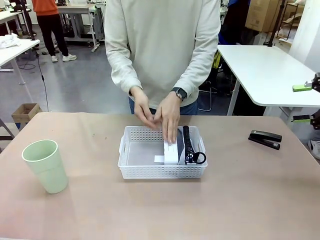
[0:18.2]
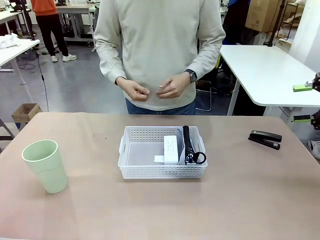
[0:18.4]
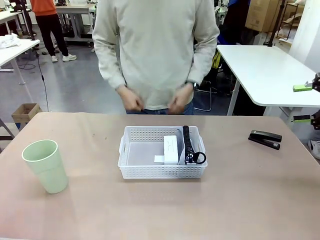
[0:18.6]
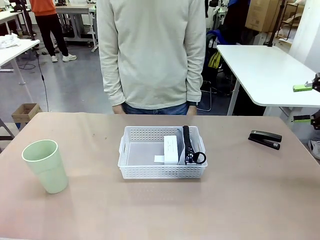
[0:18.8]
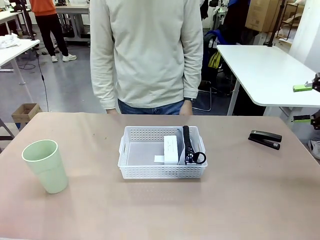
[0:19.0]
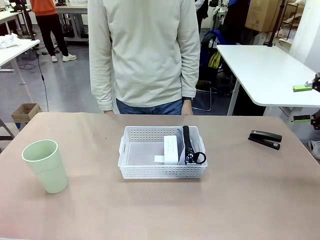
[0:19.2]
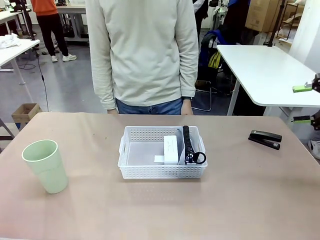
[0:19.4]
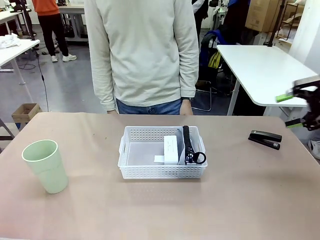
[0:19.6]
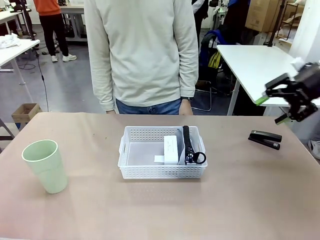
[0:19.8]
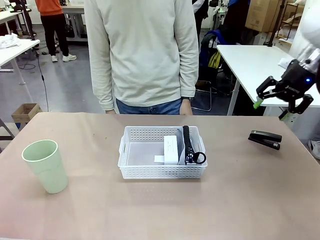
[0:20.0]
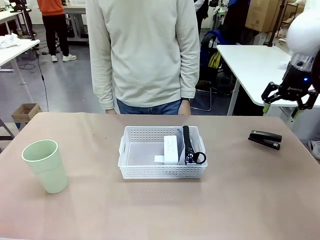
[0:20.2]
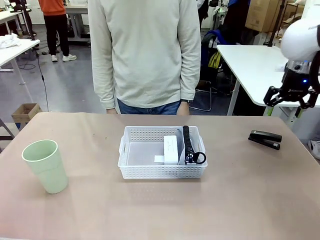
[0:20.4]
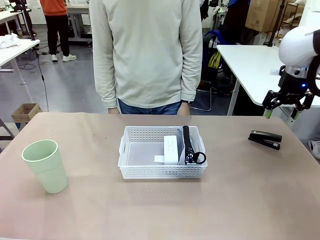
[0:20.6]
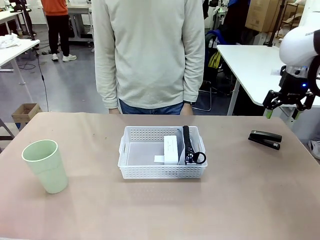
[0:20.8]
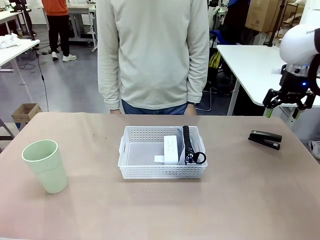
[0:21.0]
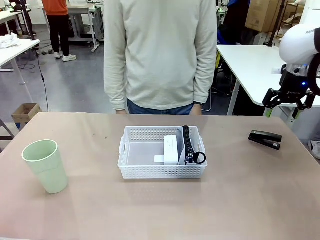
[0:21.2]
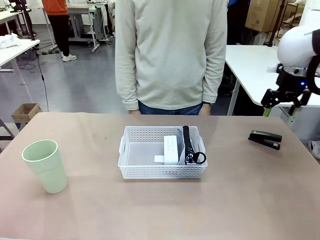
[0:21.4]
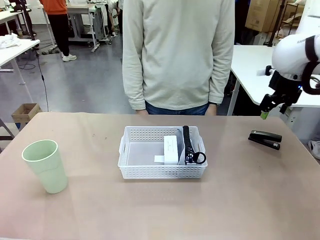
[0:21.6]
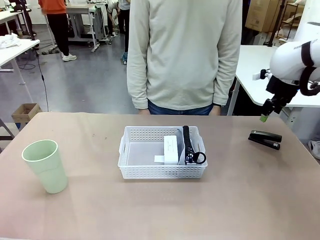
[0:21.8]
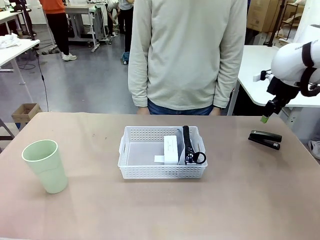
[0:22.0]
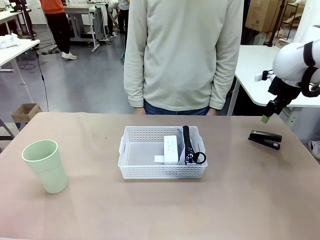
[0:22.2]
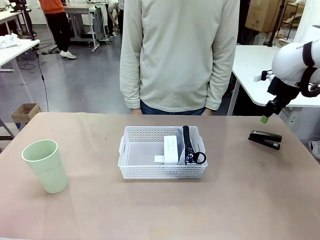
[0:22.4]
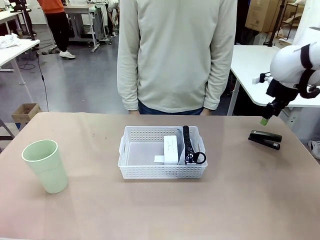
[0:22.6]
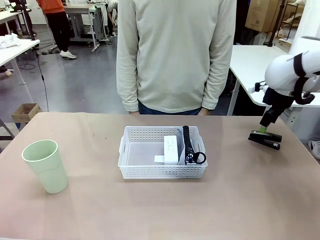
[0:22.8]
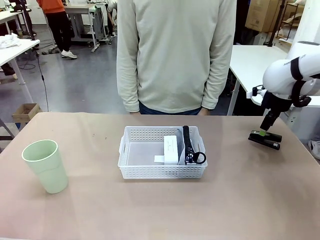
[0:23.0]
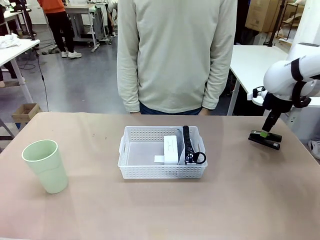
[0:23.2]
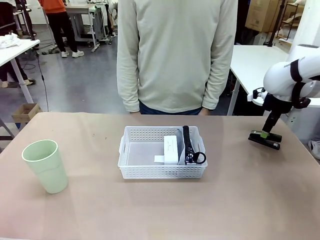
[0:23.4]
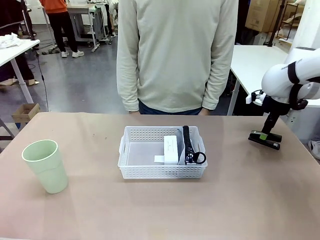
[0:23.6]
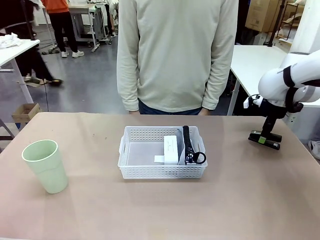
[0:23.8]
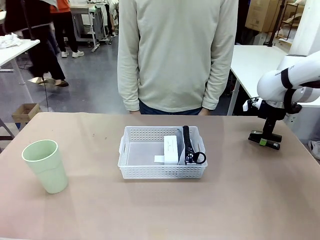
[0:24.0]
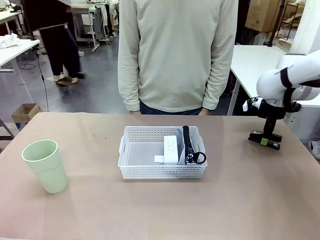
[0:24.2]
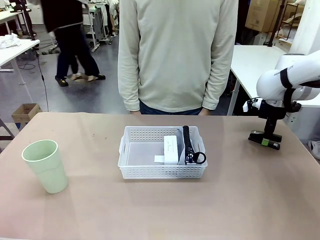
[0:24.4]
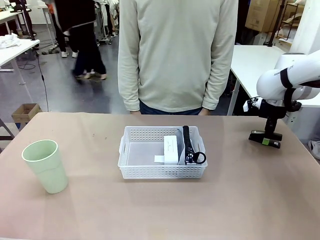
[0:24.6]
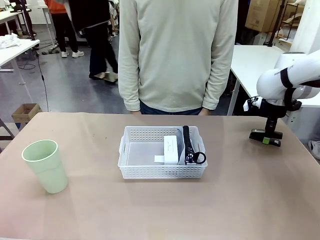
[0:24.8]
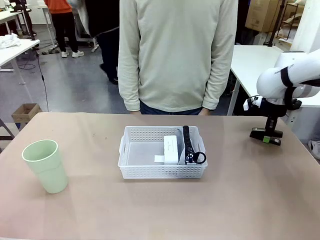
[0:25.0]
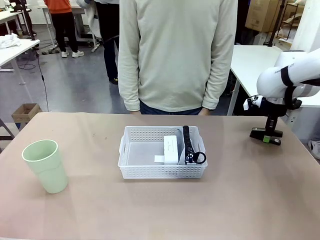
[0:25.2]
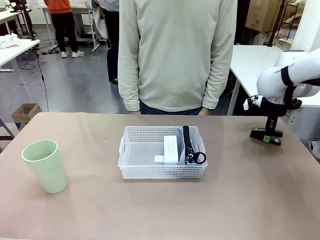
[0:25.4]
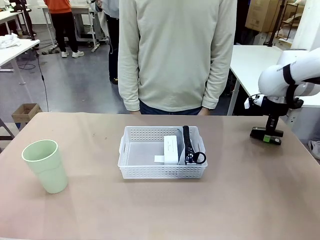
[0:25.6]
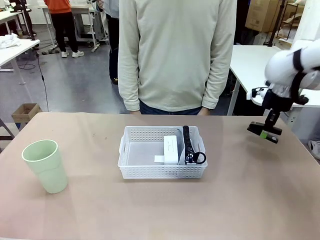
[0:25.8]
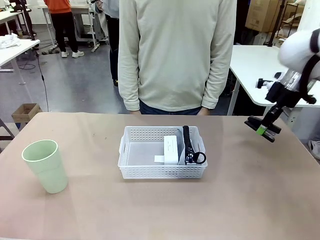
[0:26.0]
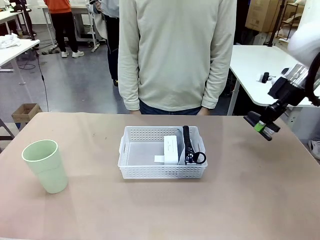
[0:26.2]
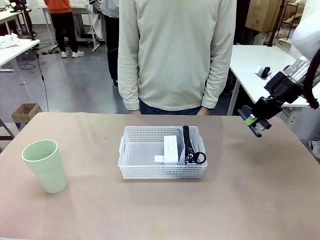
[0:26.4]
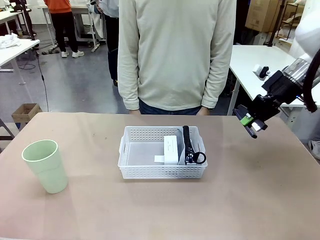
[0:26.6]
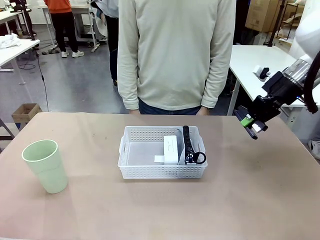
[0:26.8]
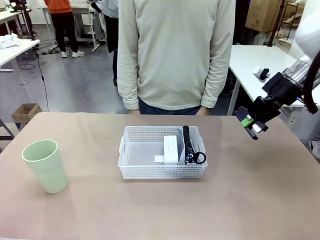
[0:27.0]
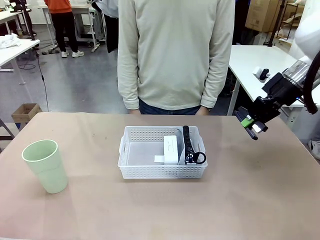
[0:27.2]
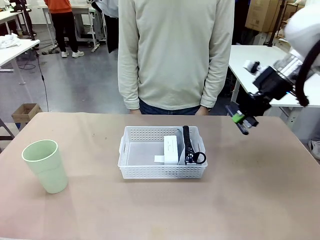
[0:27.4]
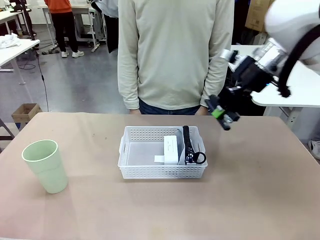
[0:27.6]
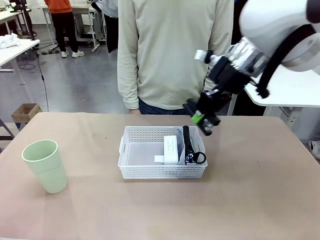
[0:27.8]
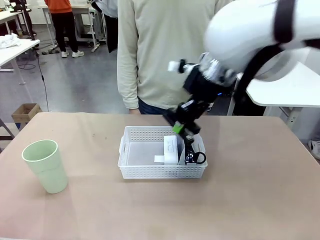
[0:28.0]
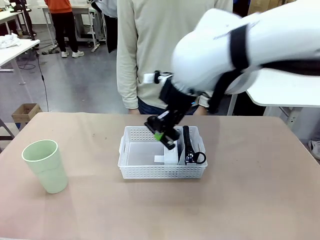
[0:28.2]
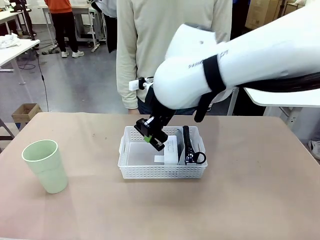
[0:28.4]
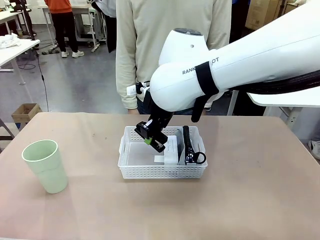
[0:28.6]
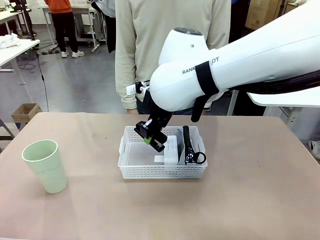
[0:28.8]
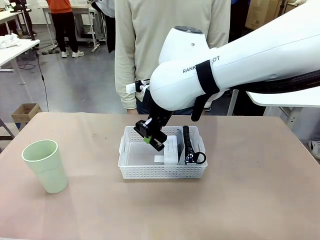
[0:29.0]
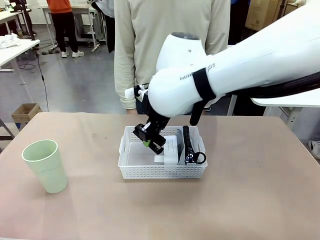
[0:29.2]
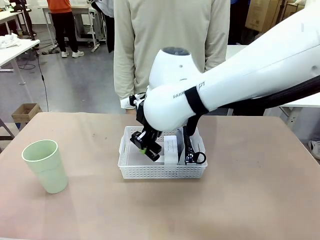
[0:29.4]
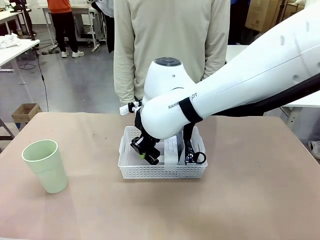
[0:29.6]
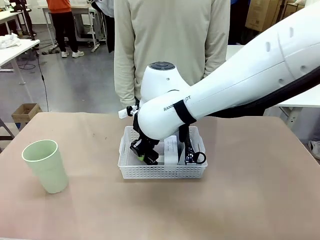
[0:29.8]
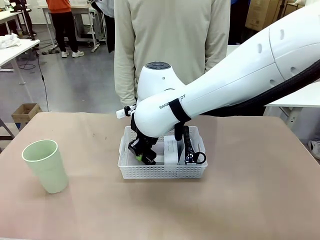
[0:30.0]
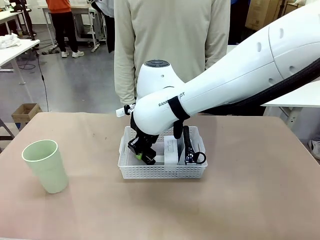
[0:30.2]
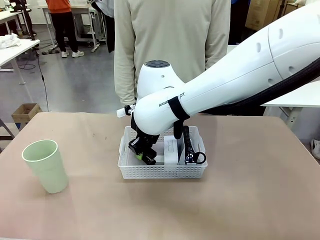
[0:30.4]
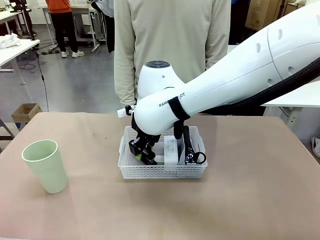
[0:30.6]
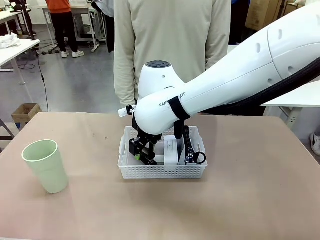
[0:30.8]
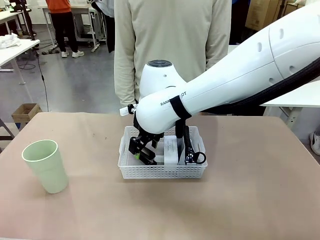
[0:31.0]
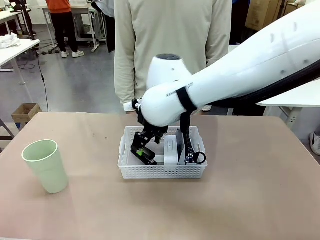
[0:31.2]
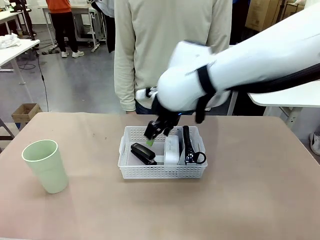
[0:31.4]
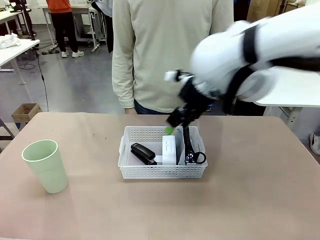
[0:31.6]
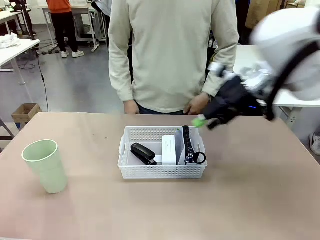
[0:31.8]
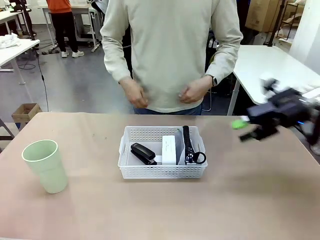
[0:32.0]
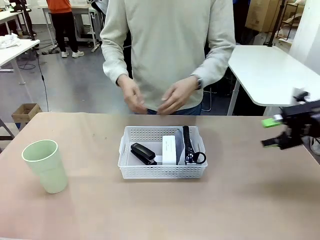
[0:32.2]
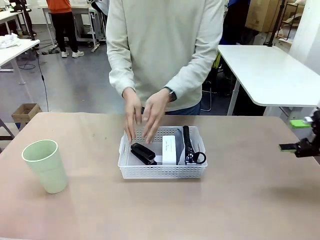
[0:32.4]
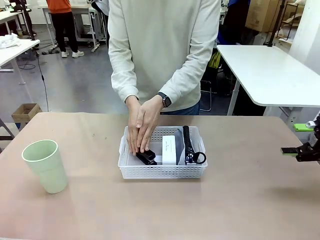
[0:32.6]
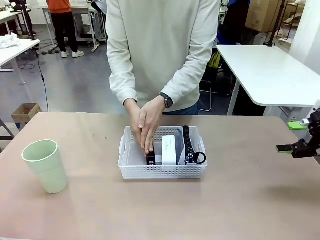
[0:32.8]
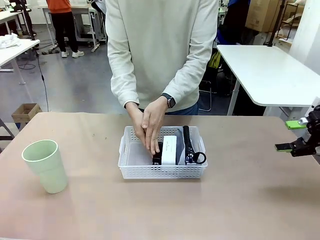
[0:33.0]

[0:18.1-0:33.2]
Task: Efficiently arrange items inside the basket to fit them all.
Robot: Pick up the Stapler and place it inside the Organizing basket.

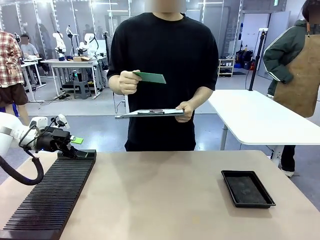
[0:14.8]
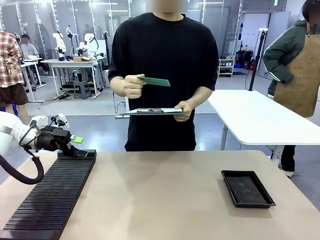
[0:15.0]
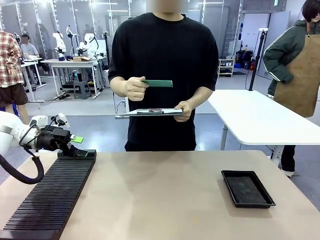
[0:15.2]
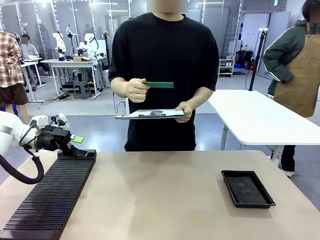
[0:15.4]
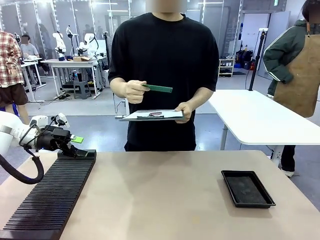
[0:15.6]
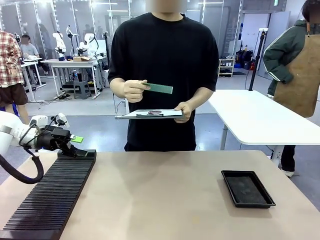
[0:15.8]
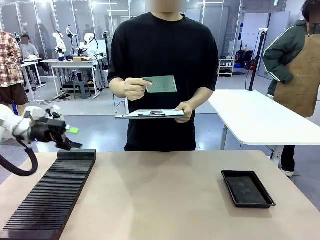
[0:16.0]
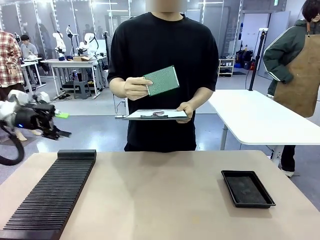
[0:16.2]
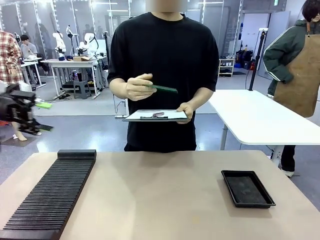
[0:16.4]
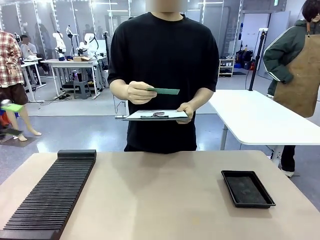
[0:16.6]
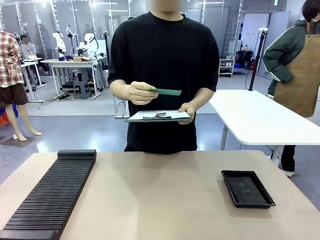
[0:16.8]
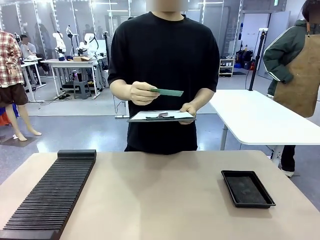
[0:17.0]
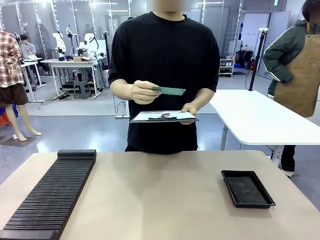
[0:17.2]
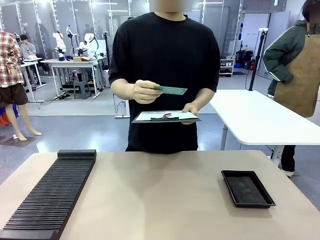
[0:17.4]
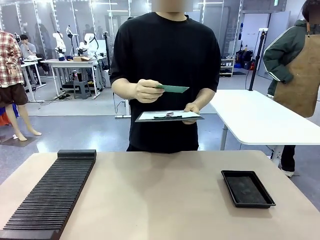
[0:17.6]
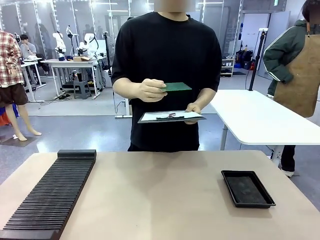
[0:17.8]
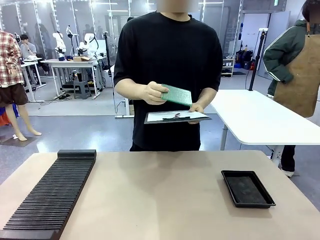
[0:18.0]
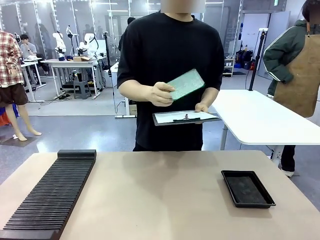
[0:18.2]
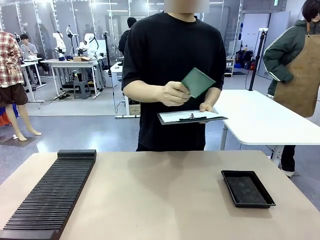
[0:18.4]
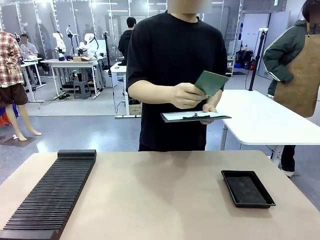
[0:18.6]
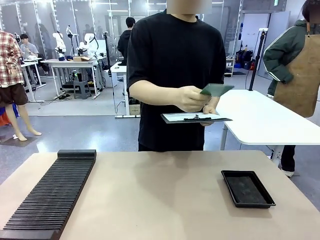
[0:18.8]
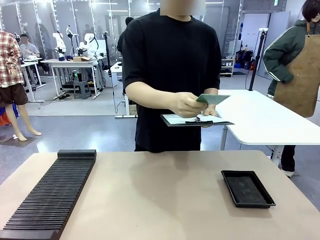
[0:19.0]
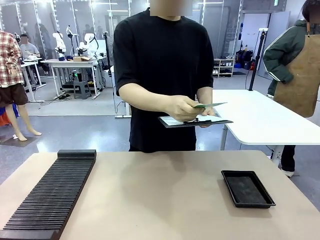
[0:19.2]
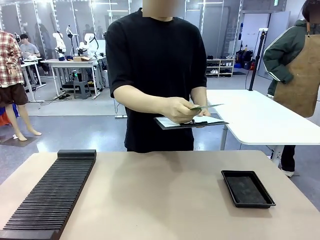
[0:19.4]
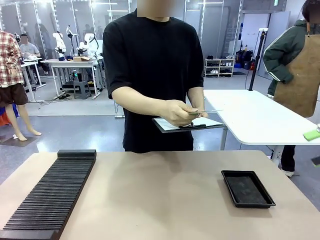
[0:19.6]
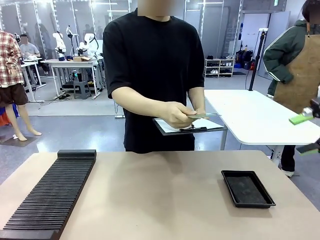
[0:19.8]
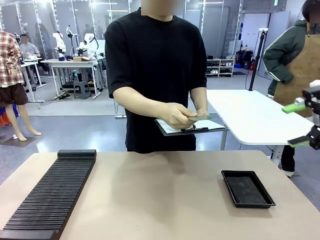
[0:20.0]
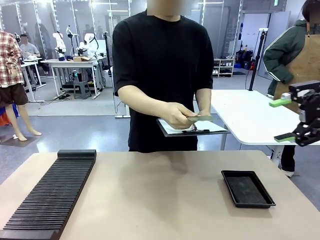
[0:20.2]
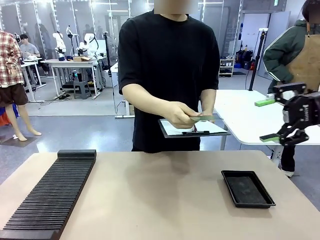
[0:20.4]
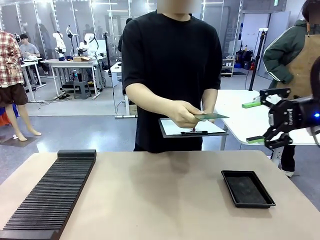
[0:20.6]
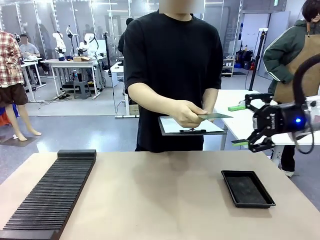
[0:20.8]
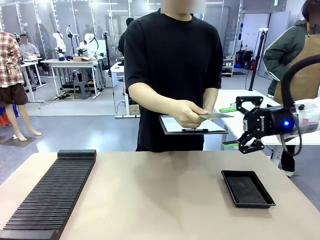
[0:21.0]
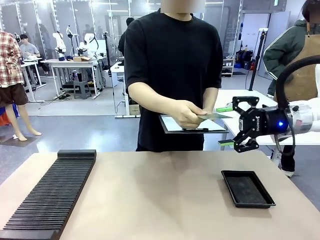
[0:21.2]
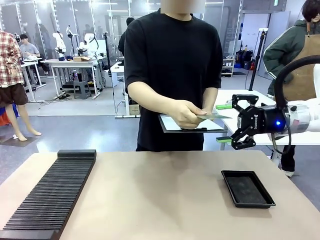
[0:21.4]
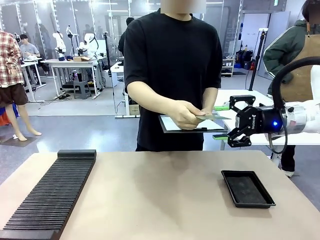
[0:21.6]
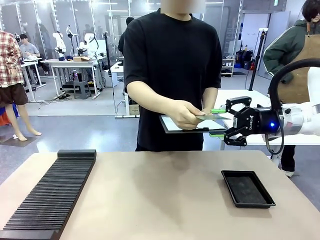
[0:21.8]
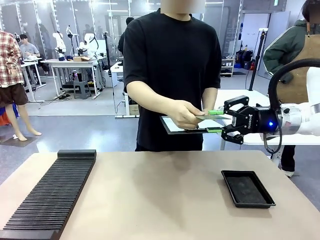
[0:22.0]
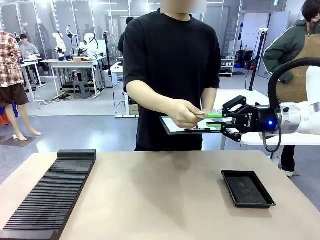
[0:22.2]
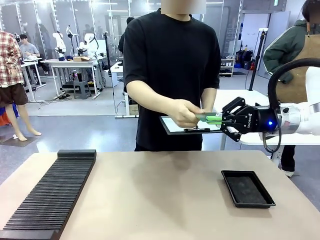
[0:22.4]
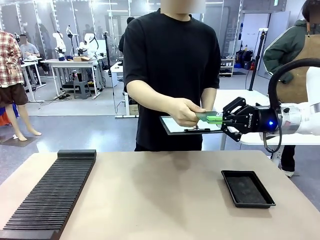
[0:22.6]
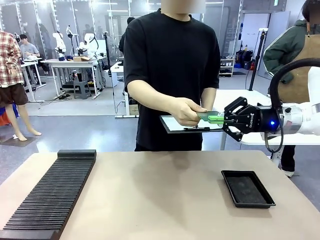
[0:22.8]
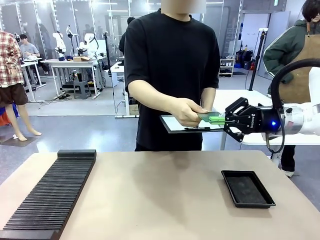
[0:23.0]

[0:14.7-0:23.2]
Task: Inspect the PCB.
Robot: Pick up the Blank PCB that the human is holding.
Person: Inspect the PCB placed by the robot, then hold it out in front of the robot. Release the PCB you were holding.
